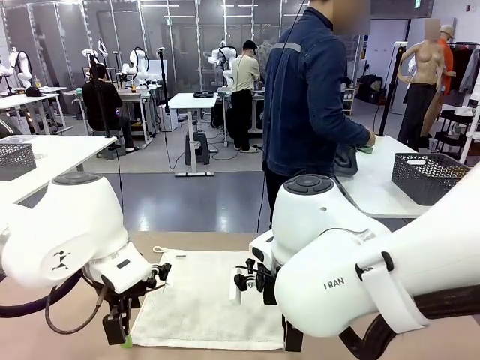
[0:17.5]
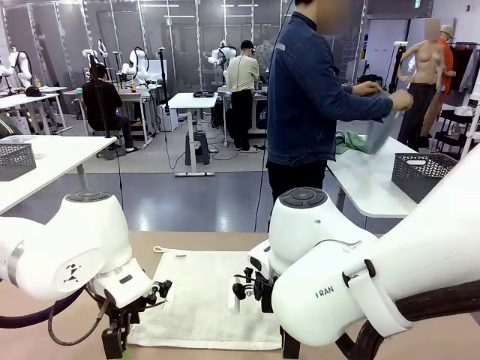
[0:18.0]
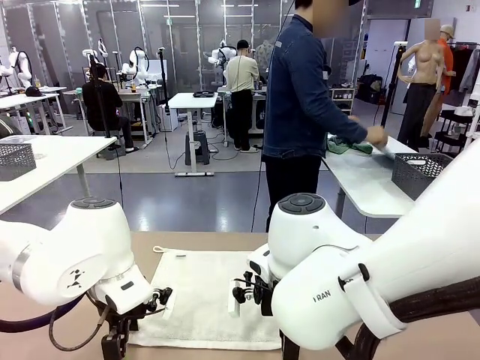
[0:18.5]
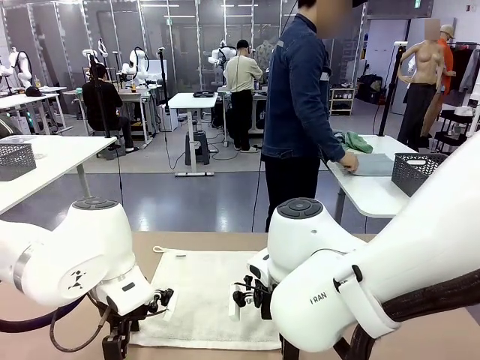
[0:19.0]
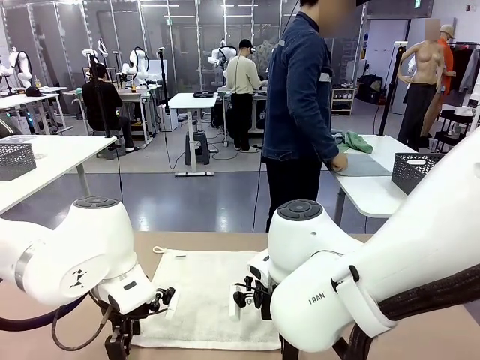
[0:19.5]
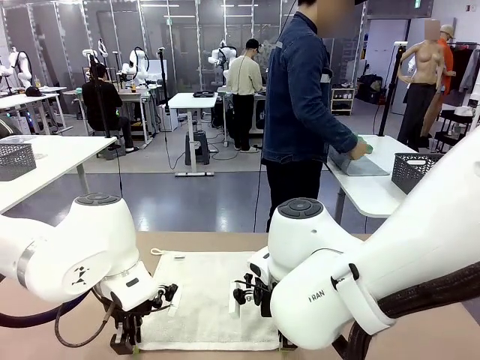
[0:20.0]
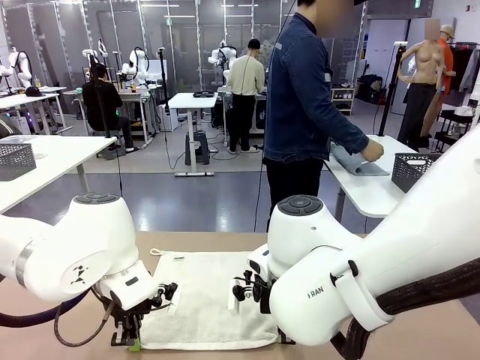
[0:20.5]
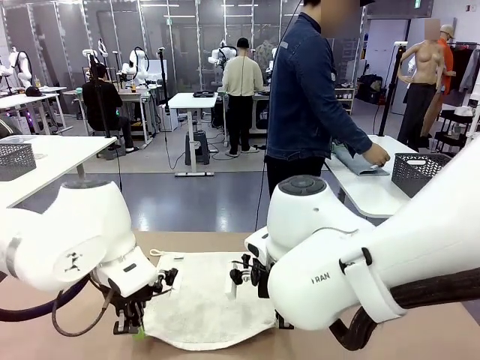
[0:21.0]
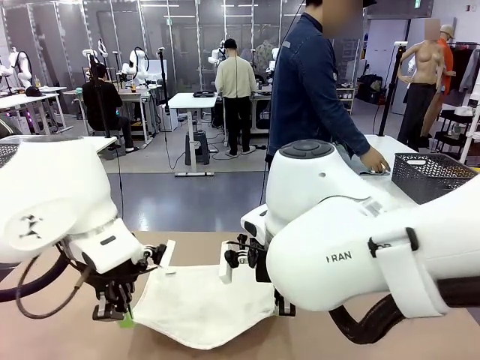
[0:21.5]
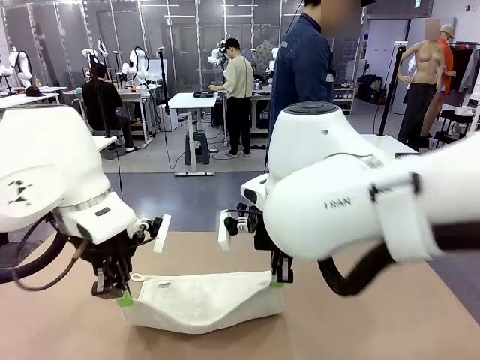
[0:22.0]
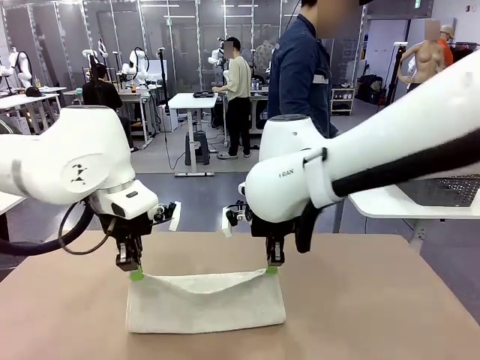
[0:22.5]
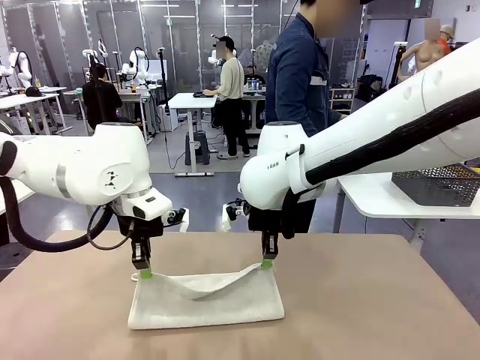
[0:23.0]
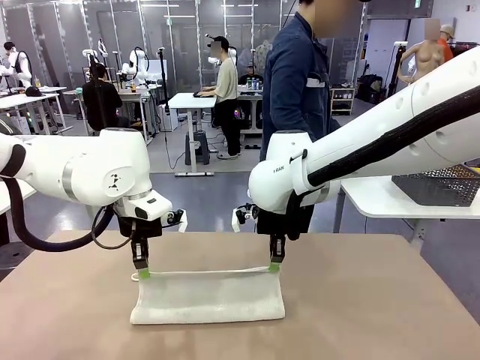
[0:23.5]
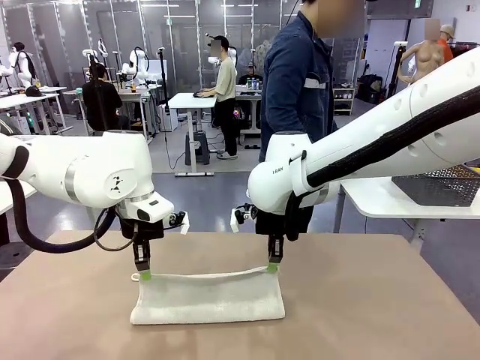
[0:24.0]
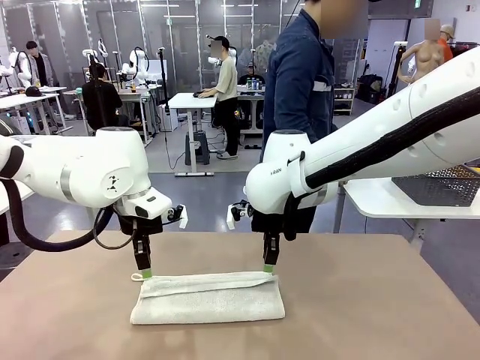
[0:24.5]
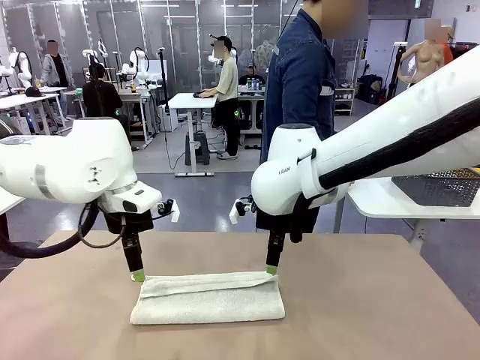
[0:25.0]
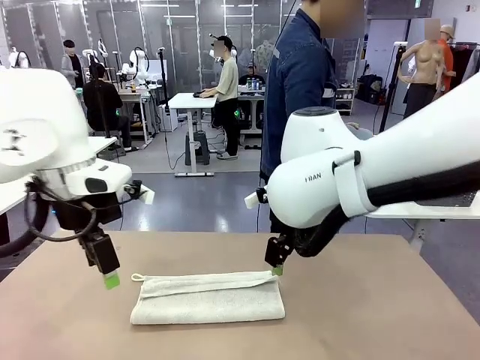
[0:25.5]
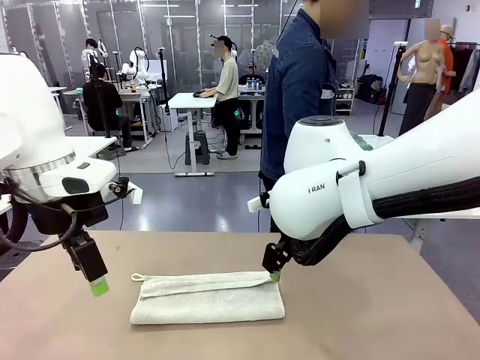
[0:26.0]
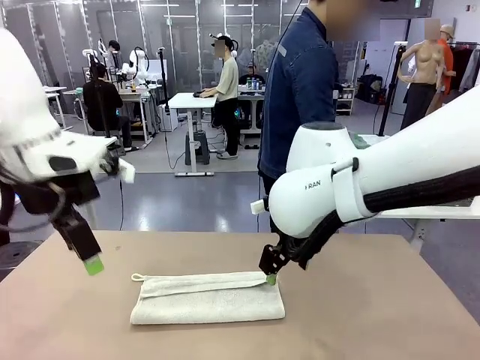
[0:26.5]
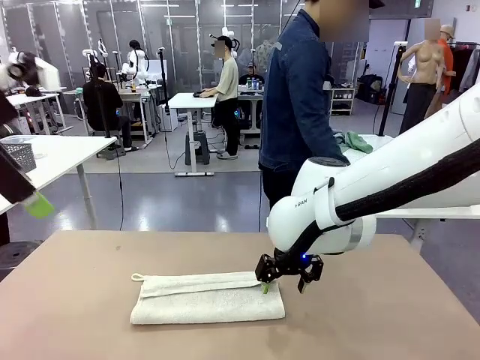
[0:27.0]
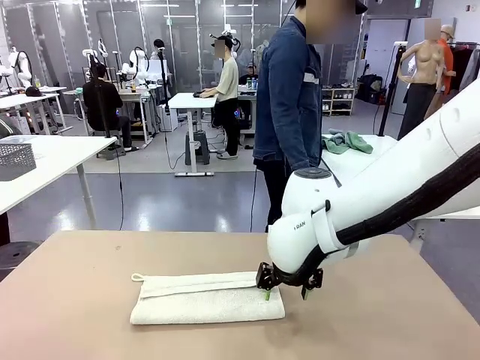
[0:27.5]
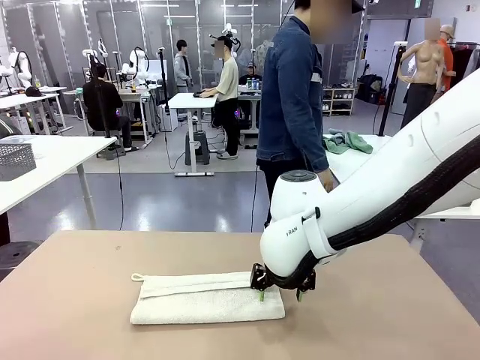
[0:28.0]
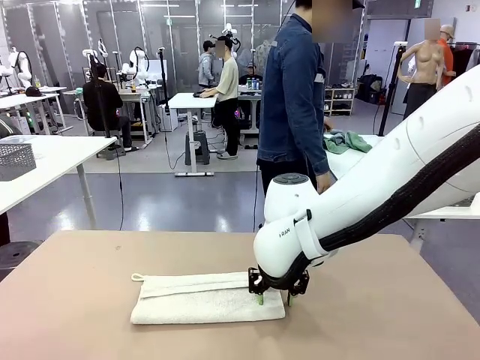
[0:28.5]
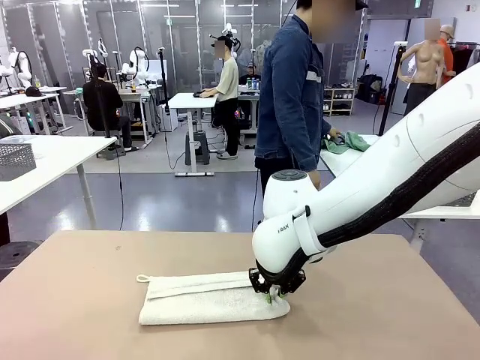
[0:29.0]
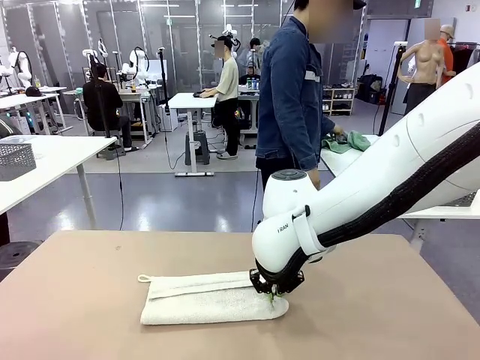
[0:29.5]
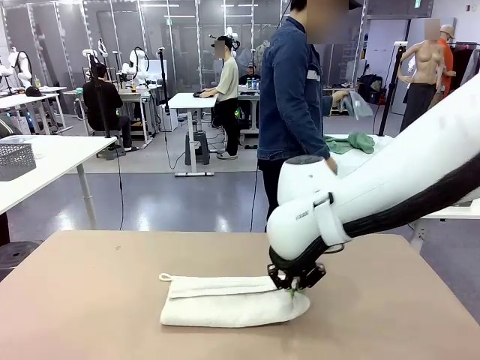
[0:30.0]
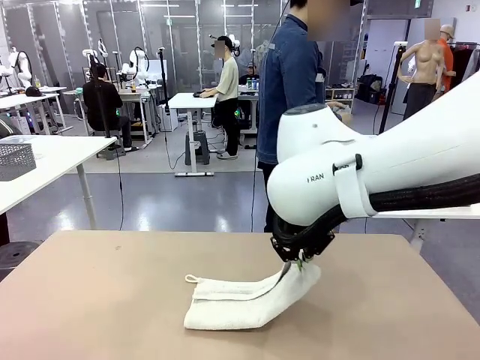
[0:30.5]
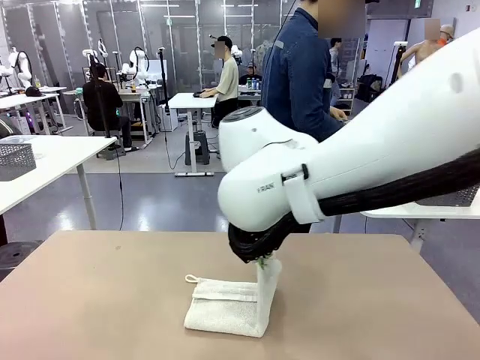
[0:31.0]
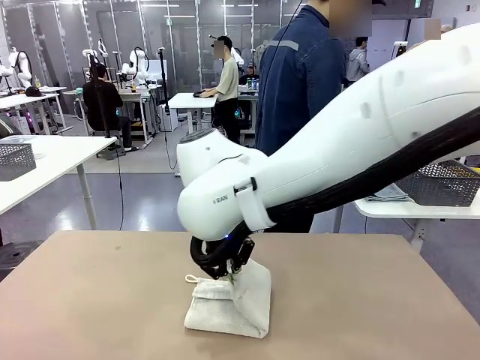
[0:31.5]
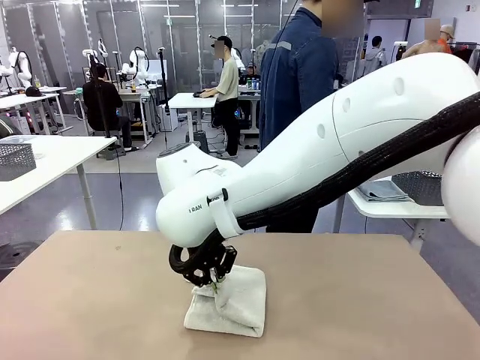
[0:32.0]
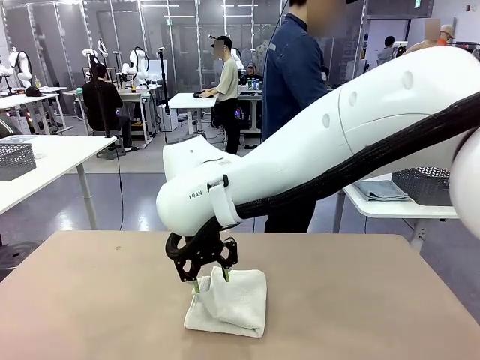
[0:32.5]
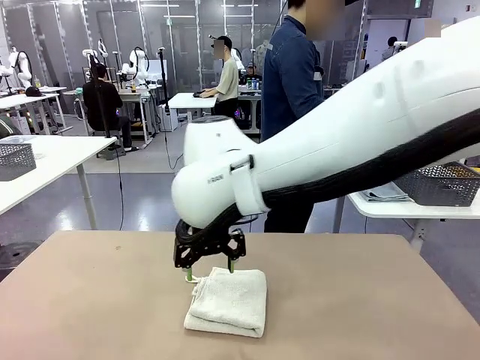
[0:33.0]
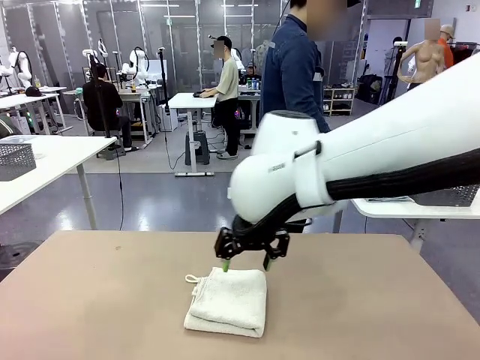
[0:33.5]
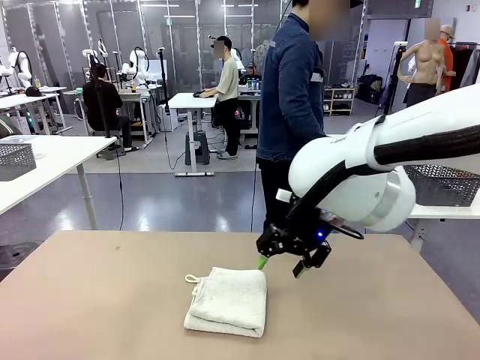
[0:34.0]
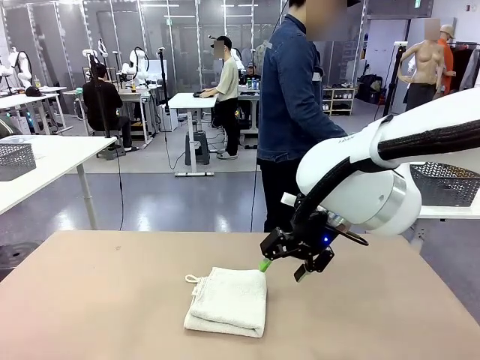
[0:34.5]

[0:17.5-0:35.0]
Task: Fold the towels and place them in the basket.
Robot: When a person lays out a Towel with hook on the table, fold it in half twice.
Person: Pick up one towel from the left side of the human table, fold it in half twice, and place it on the right side of the table.

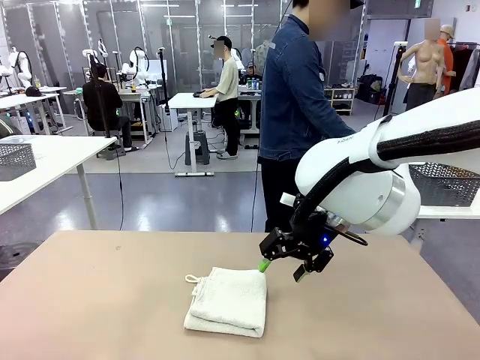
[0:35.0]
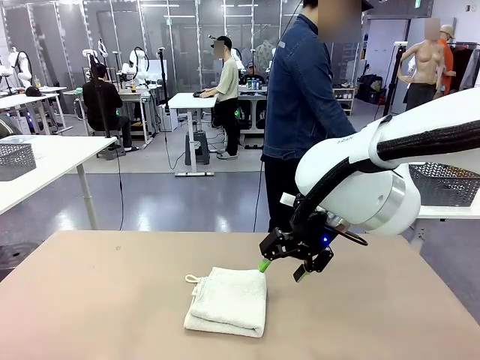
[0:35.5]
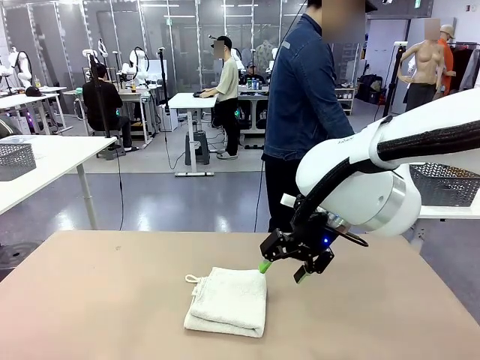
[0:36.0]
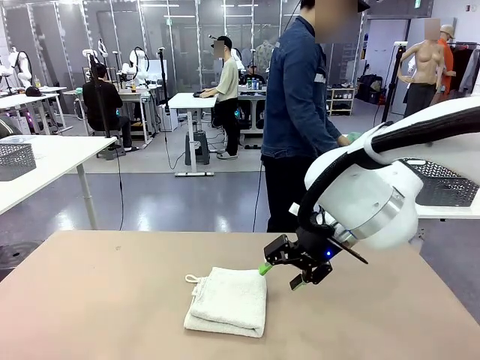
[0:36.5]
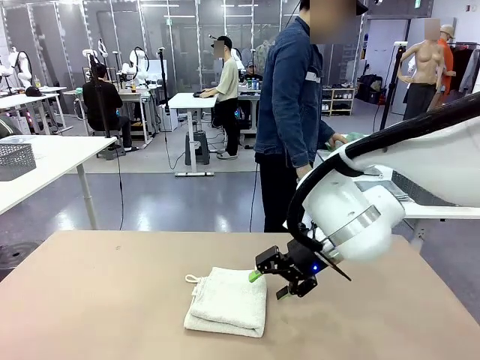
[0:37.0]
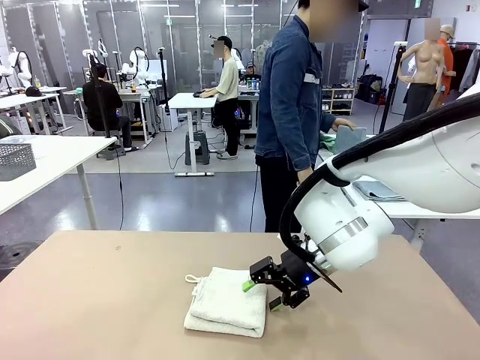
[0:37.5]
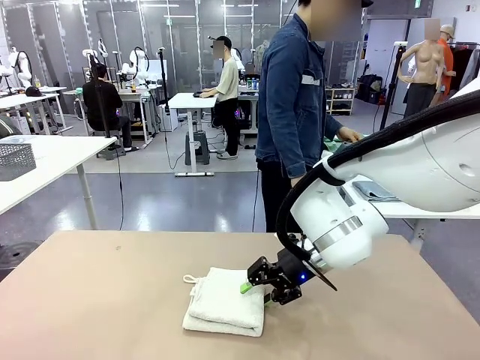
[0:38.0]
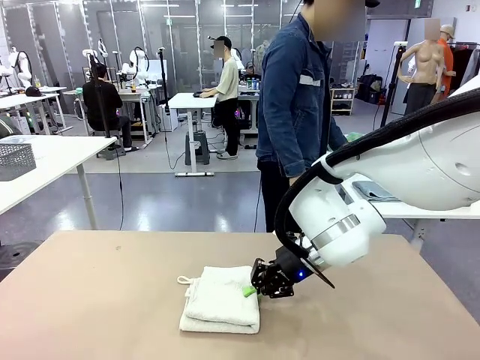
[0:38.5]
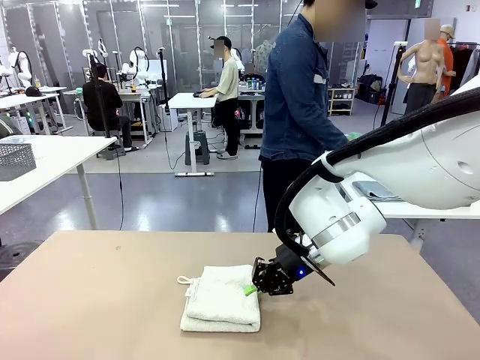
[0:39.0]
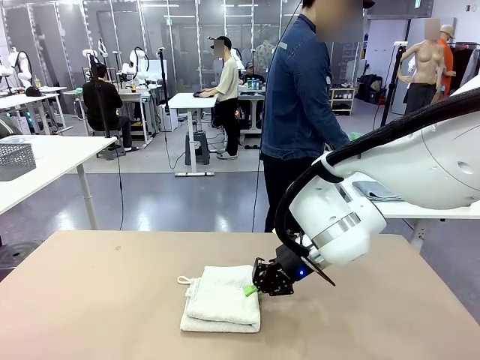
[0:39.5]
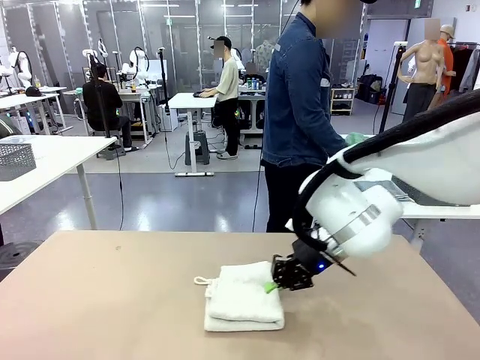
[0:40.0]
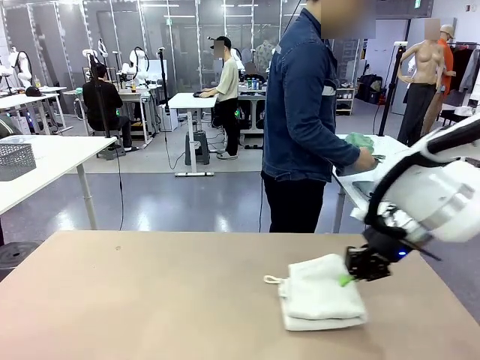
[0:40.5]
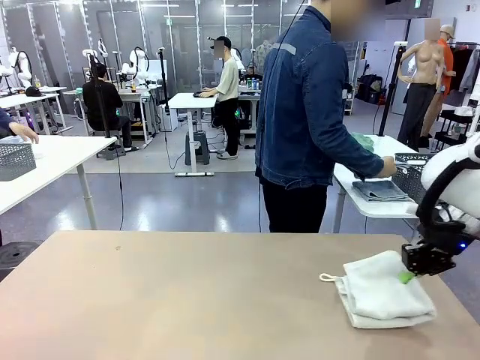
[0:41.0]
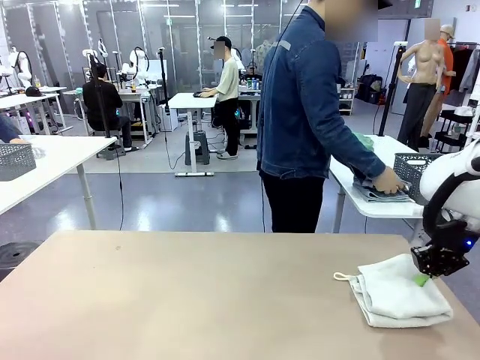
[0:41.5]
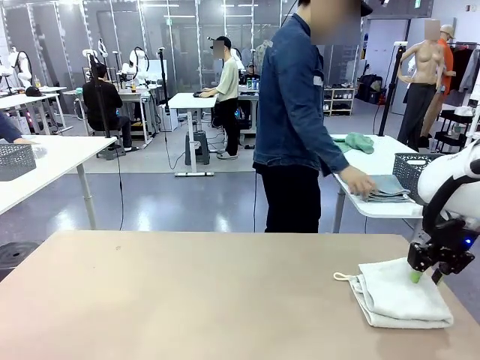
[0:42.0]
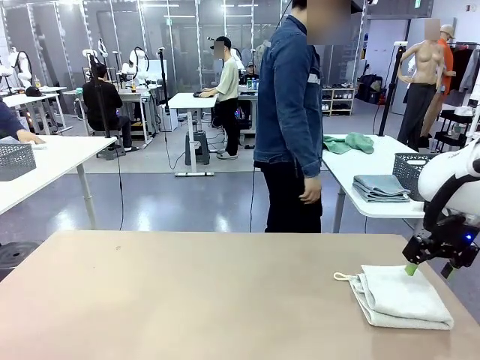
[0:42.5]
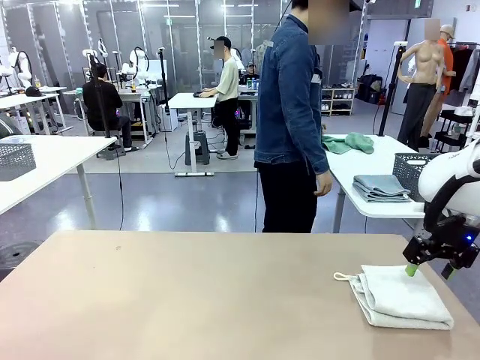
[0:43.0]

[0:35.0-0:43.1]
Robot: Place the folded Towel with hook on the right side of the table.
